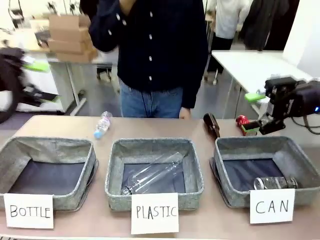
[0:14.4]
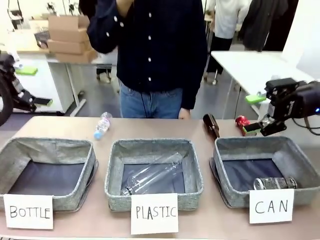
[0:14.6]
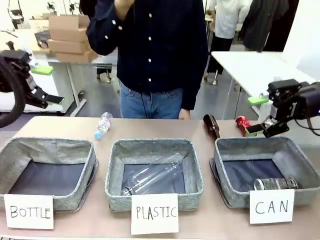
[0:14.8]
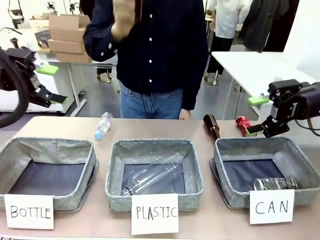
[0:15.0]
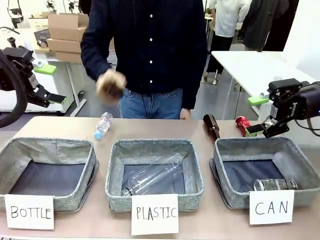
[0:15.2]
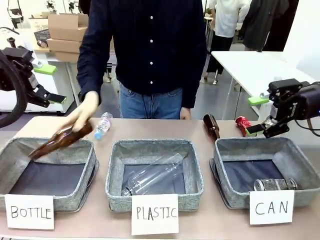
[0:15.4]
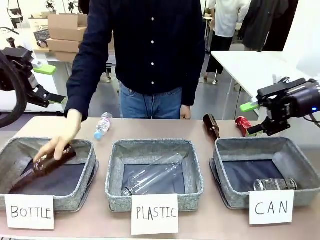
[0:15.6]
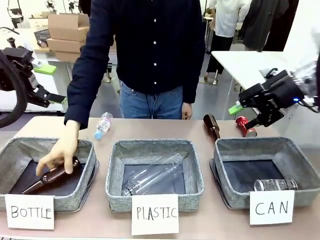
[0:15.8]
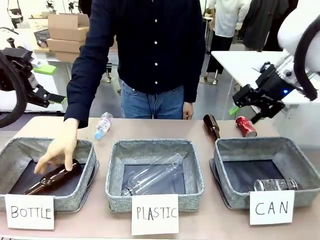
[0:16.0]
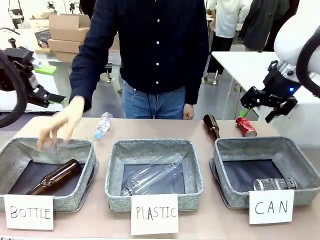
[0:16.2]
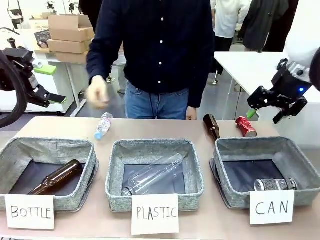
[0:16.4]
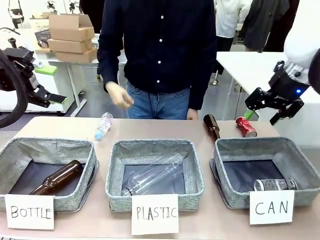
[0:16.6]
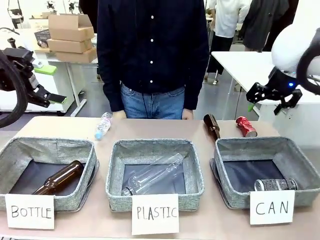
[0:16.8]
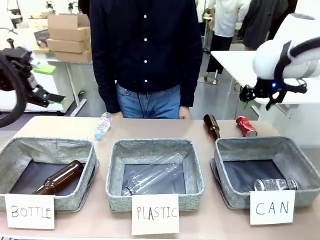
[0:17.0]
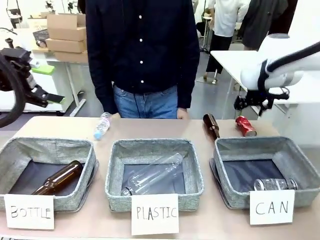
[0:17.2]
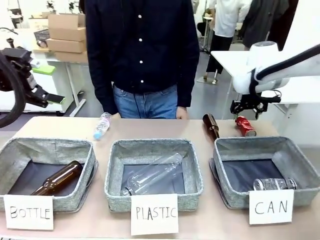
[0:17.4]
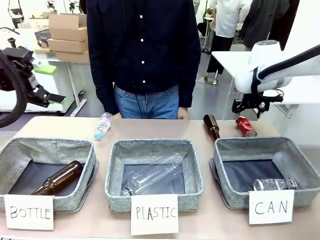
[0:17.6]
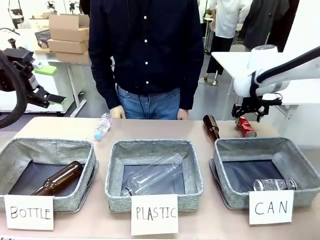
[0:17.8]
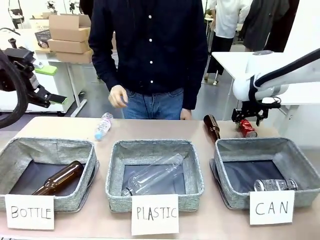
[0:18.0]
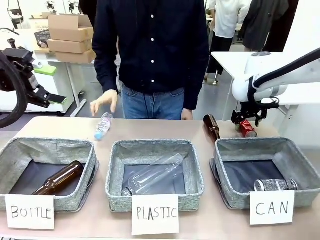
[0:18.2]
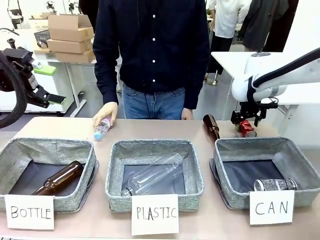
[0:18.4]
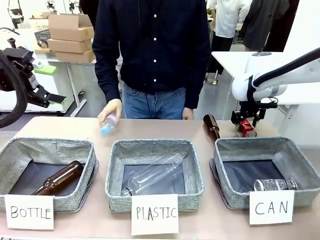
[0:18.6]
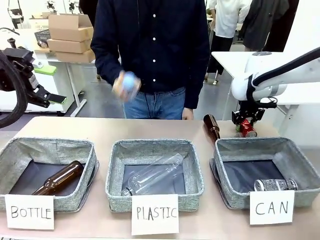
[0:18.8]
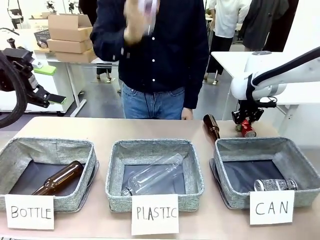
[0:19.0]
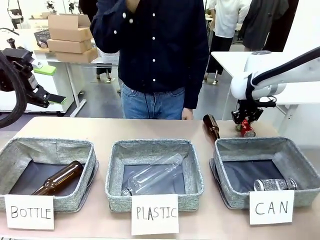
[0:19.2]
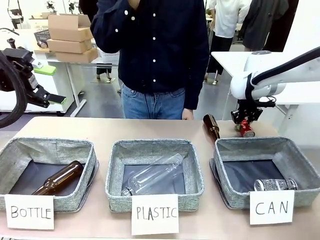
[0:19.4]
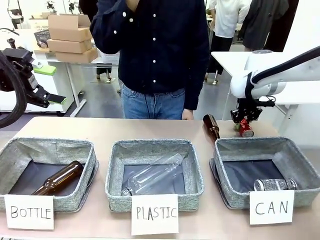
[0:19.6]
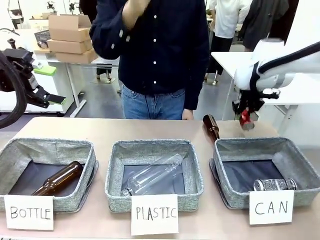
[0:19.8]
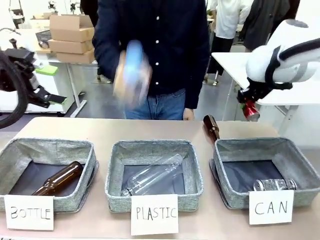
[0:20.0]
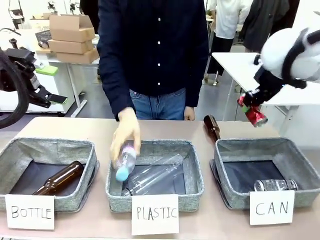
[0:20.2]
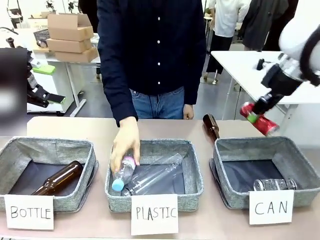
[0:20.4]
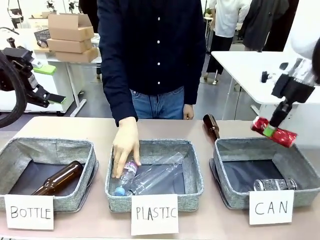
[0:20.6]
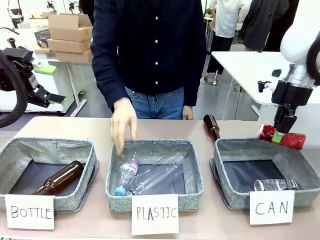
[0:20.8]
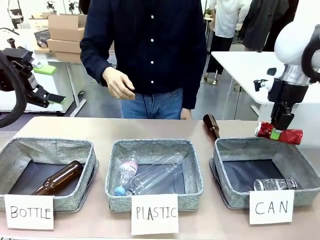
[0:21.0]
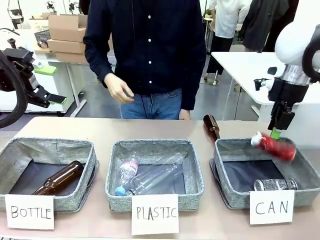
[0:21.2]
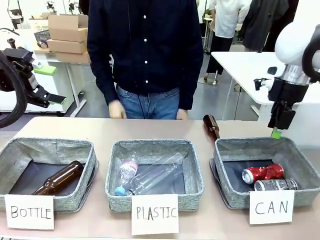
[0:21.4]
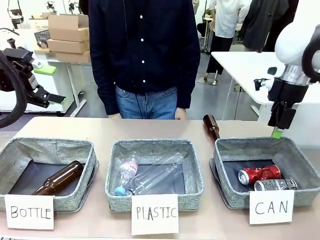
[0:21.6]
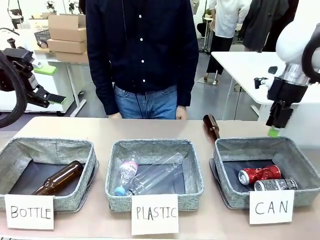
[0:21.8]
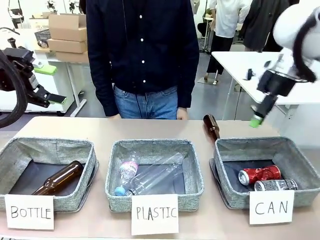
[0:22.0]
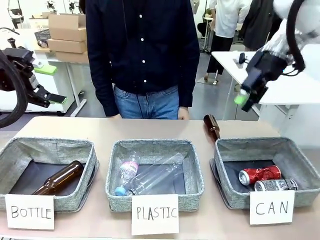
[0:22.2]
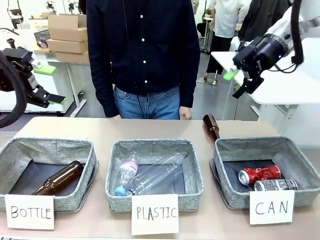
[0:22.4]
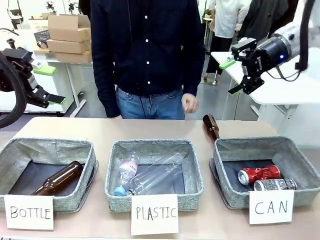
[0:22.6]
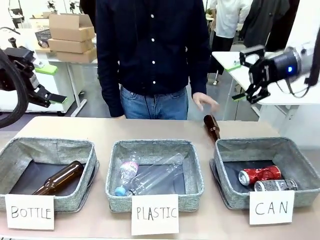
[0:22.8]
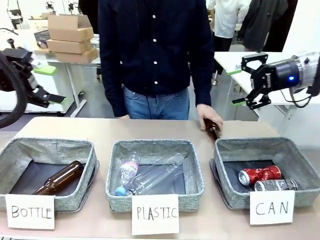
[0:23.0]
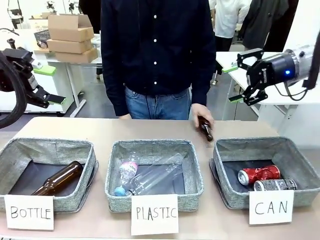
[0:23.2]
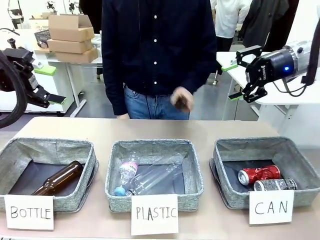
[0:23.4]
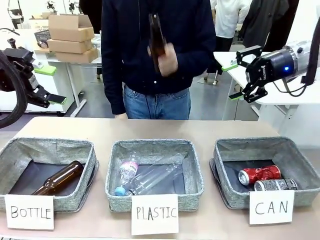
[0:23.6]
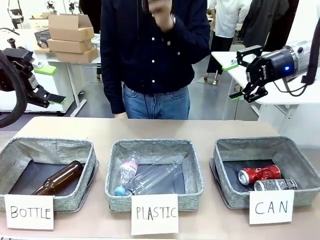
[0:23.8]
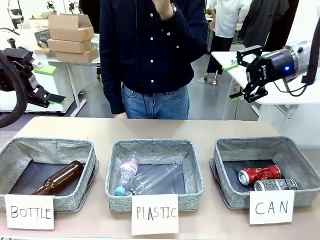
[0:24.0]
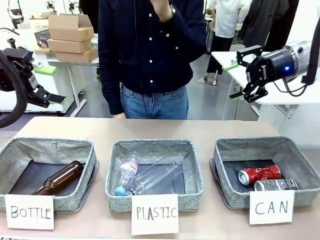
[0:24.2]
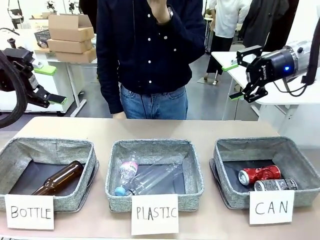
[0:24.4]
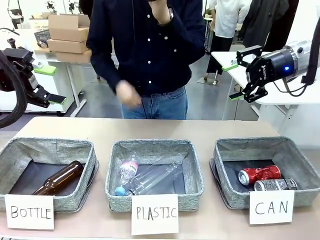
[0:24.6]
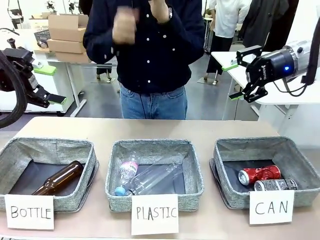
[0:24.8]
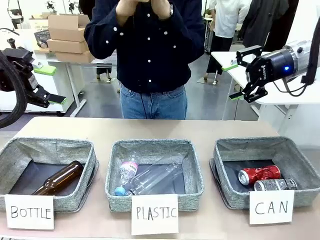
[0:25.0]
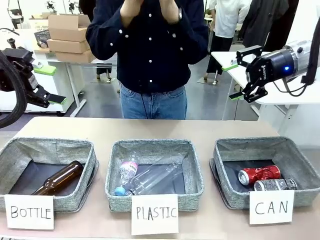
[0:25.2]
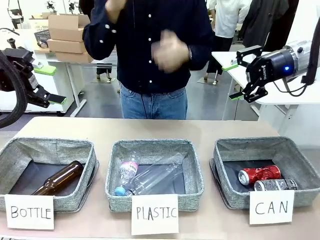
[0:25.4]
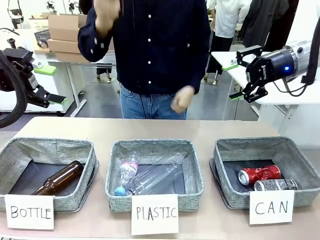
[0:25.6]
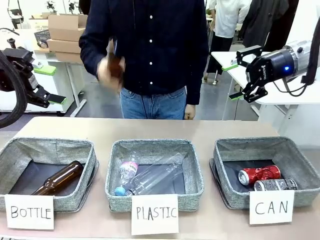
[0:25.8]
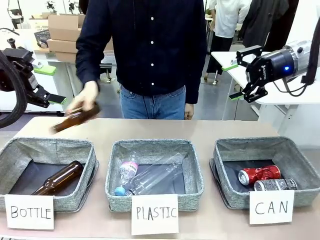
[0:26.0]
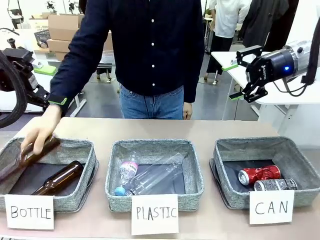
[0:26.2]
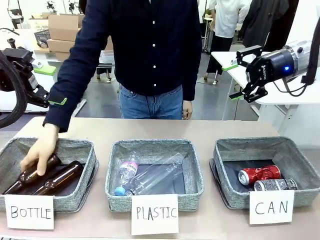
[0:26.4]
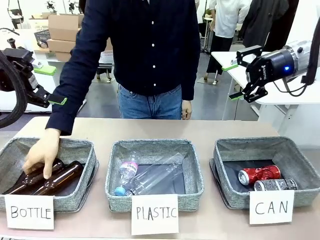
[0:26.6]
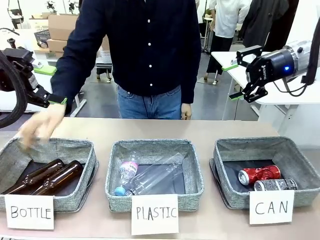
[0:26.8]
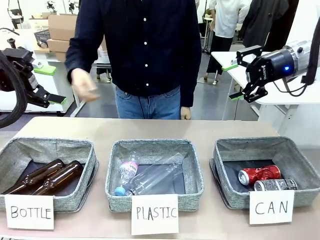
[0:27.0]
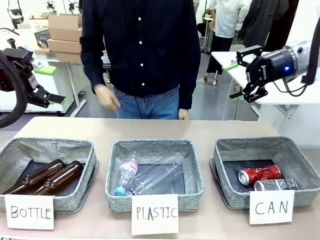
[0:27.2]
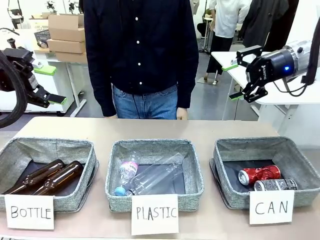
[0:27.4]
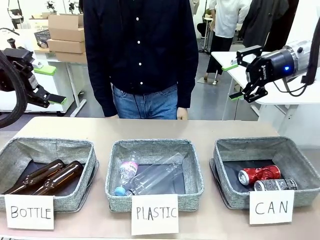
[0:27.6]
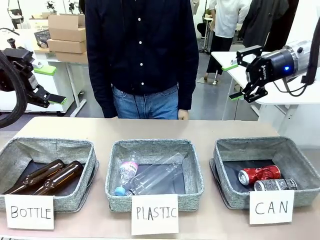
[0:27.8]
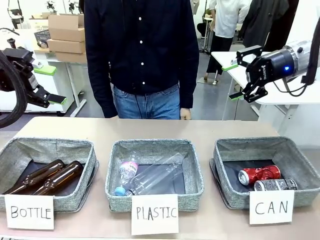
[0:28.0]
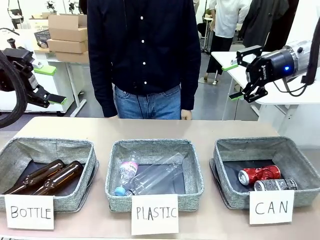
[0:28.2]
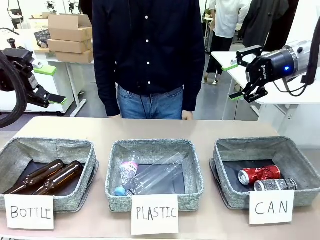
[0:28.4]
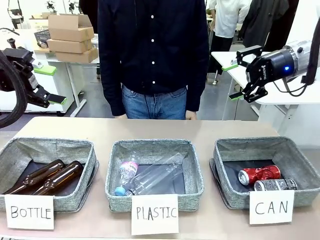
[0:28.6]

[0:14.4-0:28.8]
Task: Sort the can waste into the basket.
Robot: Pick up the can waste from the table and place it in the right Fabric basket.
